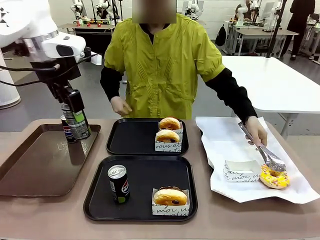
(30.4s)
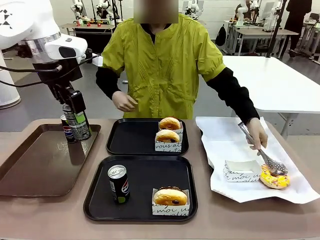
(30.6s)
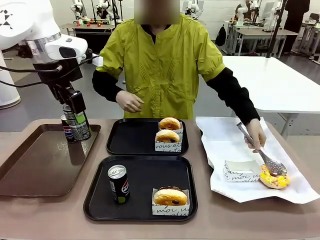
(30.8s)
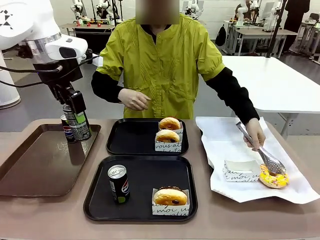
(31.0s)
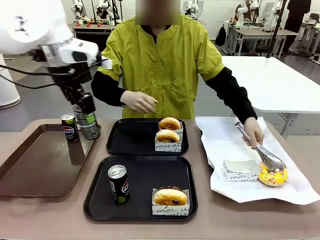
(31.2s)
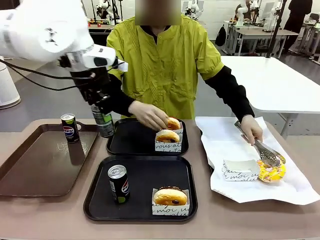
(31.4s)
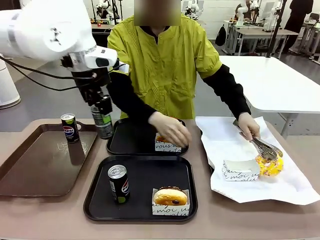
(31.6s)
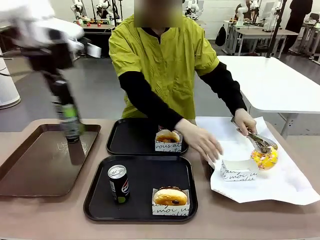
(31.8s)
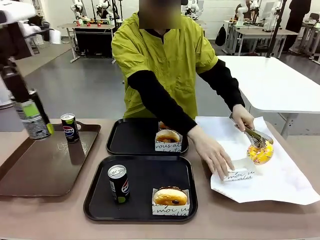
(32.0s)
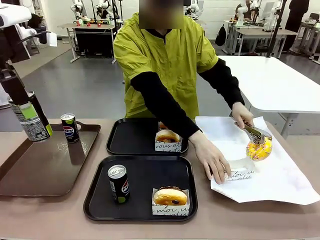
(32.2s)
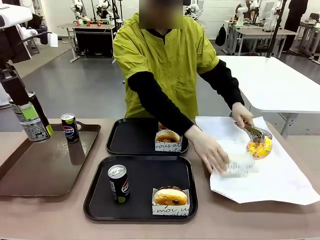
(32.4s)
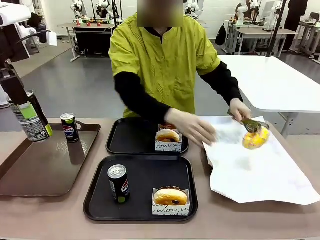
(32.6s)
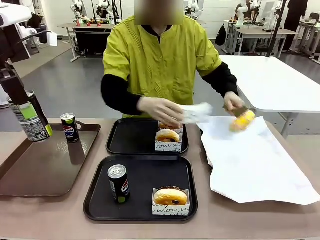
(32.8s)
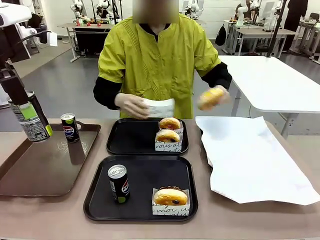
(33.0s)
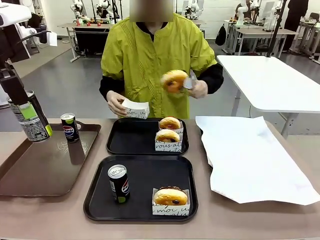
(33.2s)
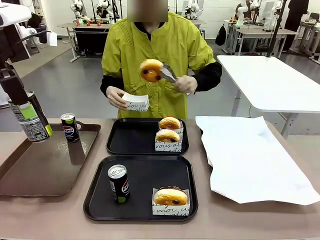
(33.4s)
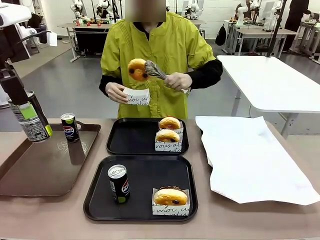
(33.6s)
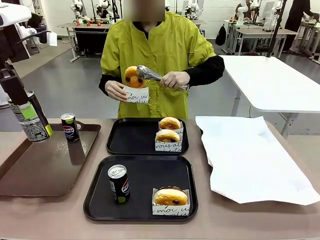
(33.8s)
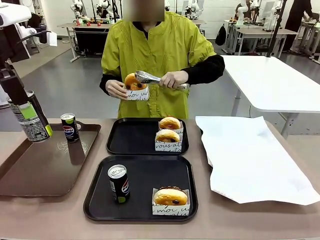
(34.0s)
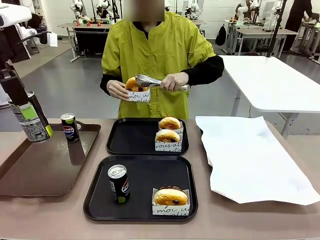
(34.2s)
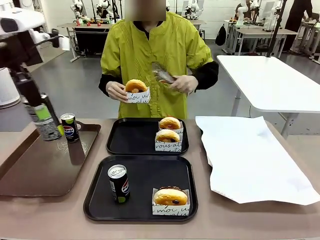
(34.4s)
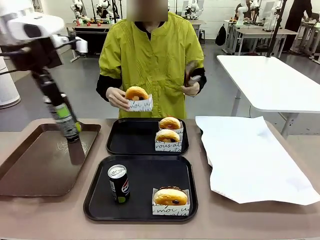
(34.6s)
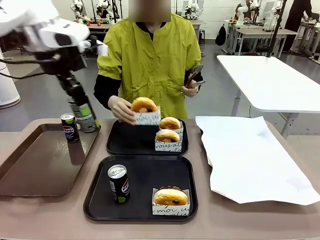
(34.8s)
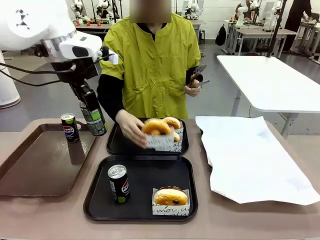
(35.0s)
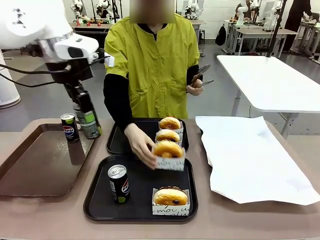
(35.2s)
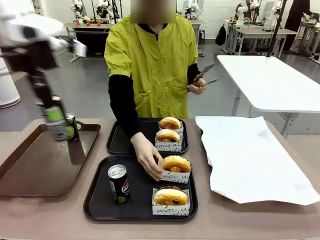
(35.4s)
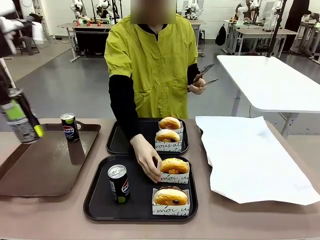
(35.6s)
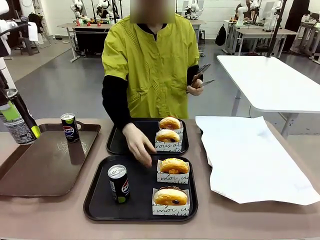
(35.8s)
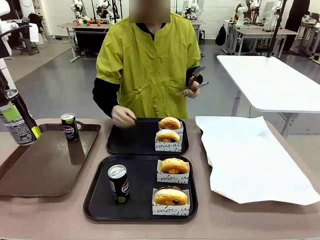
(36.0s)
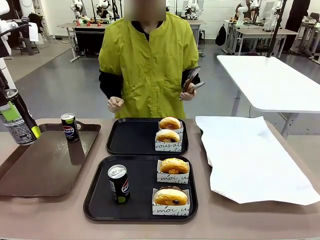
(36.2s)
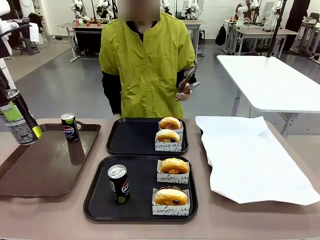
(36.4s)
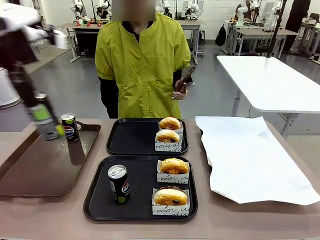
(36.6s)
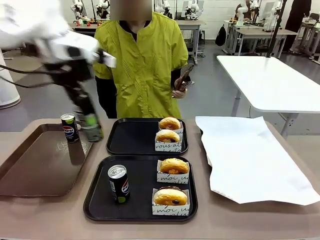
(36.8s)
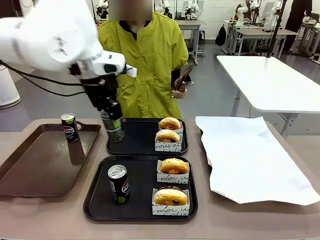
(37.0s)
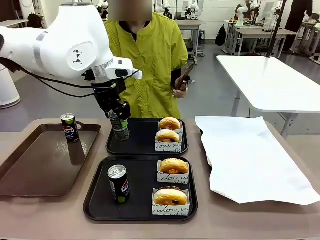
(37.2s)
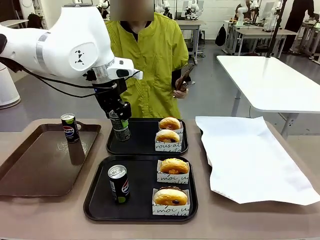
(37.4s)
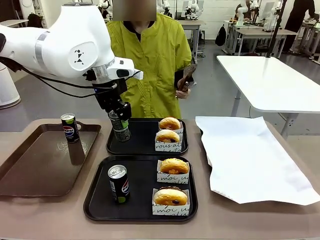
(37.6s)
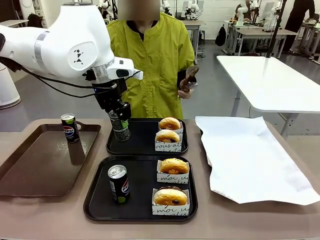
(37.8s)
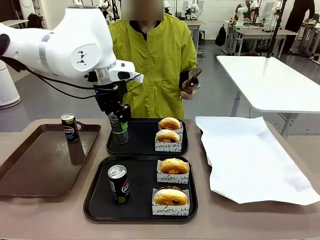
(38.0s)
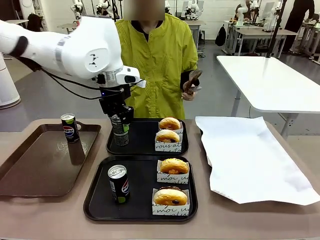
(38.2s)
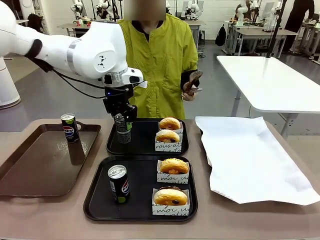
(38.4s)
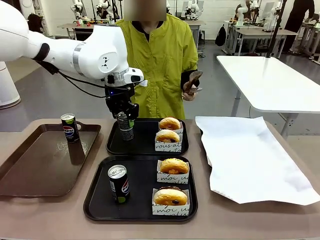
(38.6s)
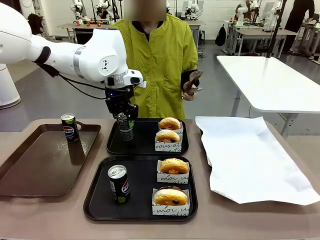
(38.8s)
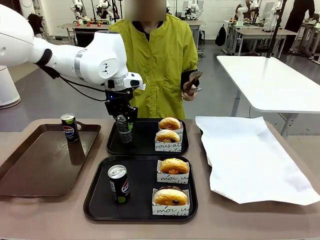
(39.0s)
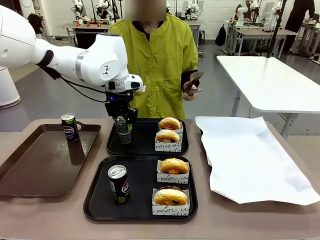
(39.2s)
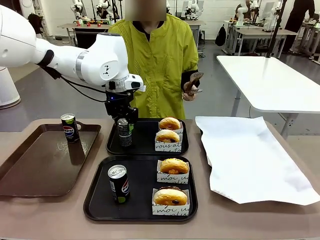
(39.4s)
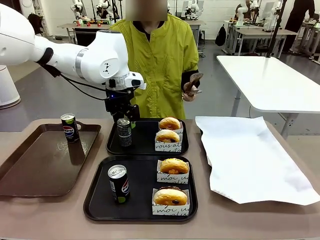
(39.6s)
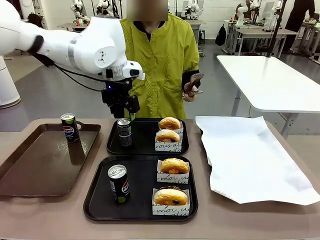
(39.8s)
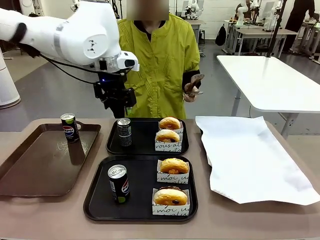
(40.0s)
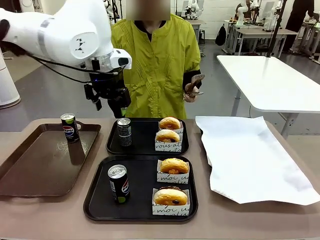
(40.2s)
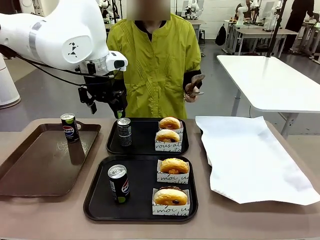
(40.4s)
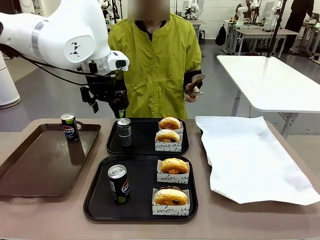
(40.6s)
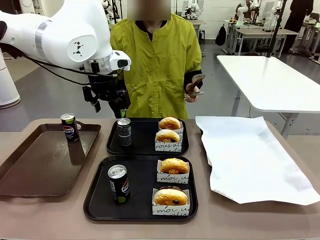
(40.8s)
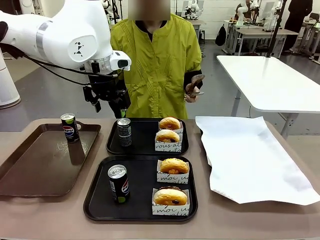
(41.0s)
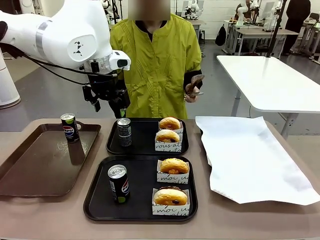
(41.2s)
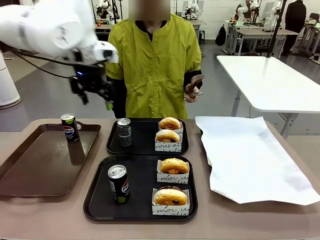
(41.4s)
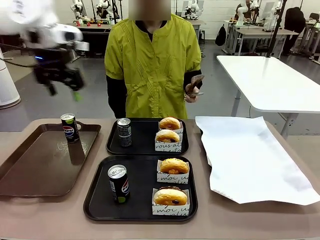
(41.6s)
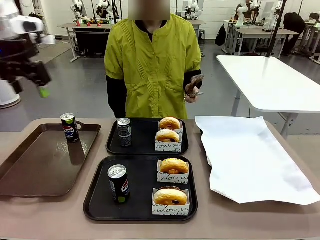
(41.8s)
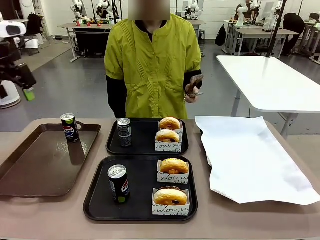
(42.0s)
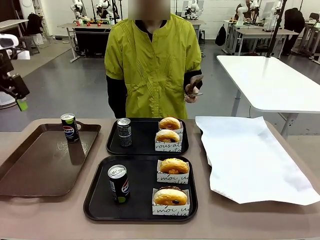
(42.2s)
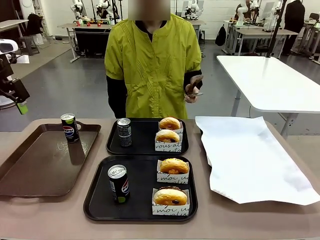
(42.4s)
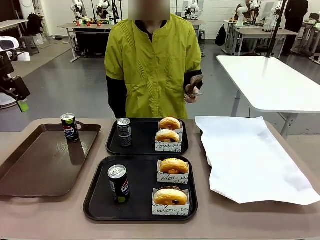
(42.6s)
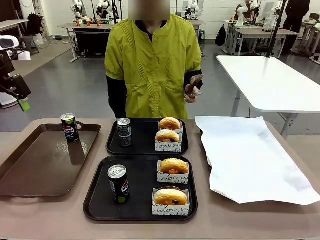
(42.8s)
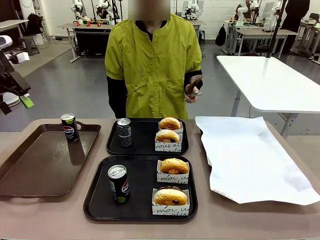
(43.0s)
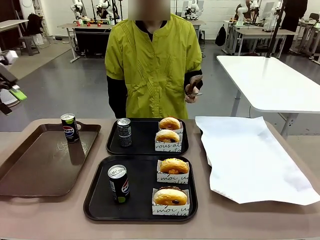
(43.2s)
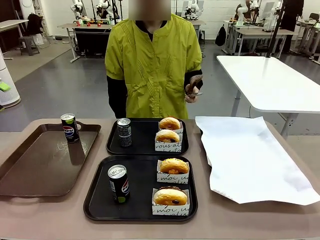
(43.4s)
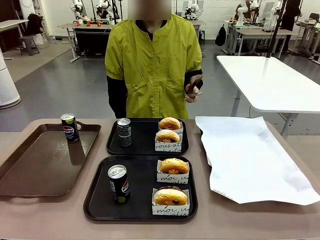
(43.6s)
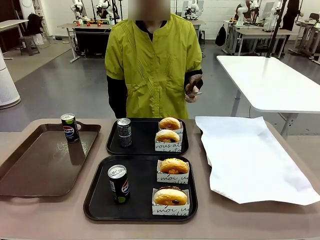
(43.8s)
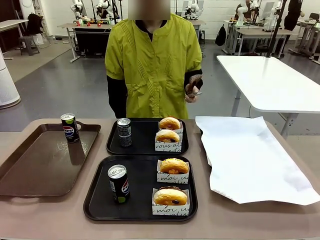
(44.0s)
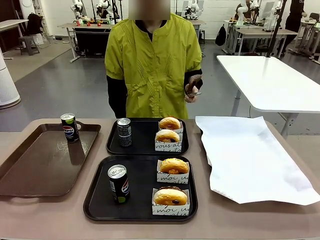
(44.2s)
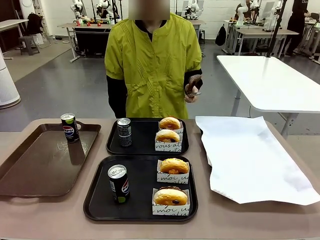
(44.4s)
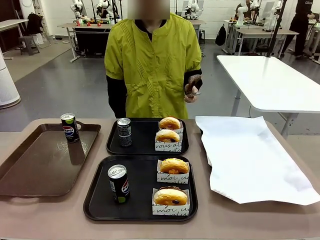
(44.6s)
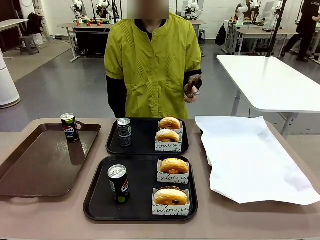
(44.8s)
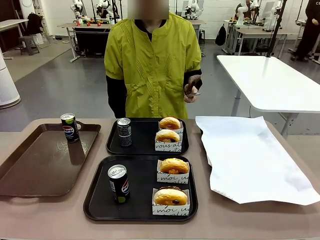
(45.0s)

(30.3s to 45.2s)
Task: Set up donuts and drinks on trays.
Robot: Pick up one Pepsi coke from the Handle tray and place it on the Flat Tray without a Pepsi coke.

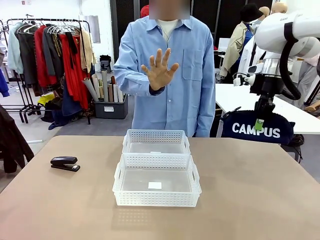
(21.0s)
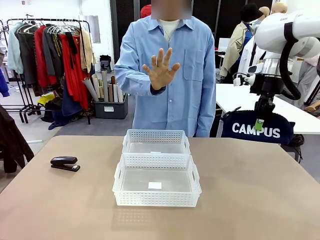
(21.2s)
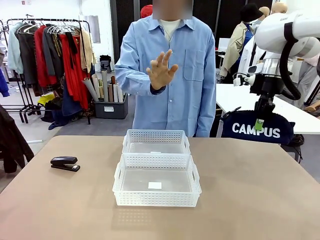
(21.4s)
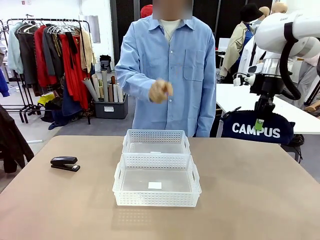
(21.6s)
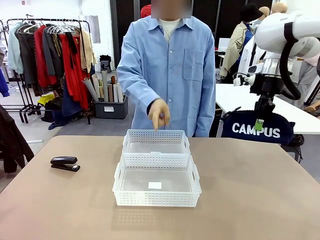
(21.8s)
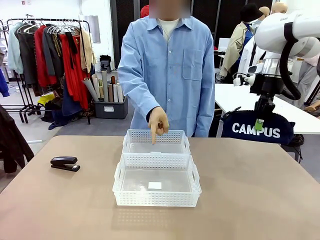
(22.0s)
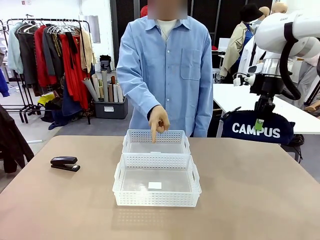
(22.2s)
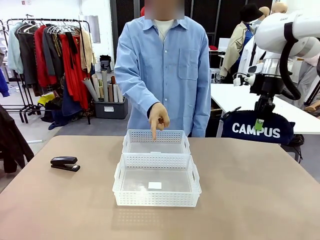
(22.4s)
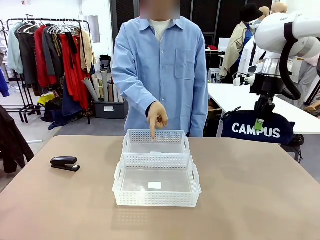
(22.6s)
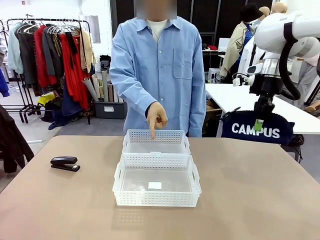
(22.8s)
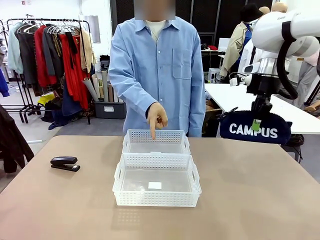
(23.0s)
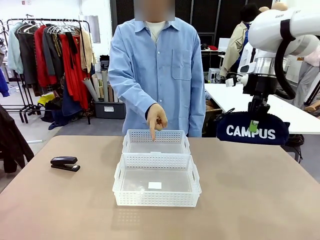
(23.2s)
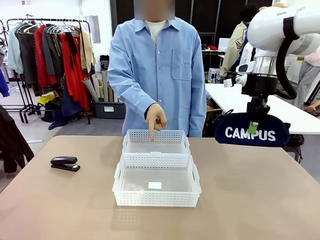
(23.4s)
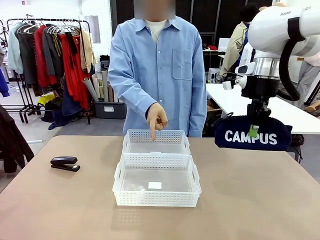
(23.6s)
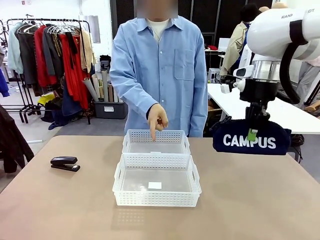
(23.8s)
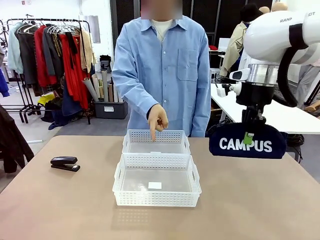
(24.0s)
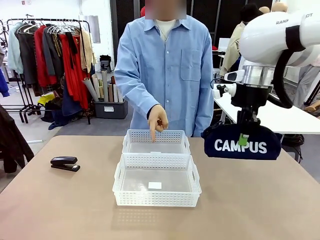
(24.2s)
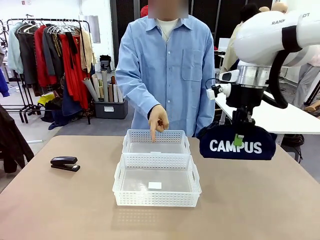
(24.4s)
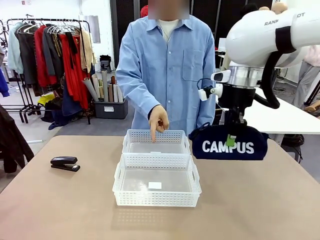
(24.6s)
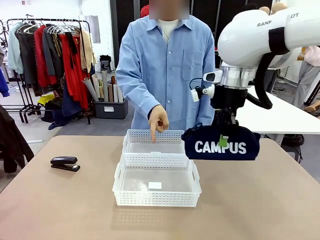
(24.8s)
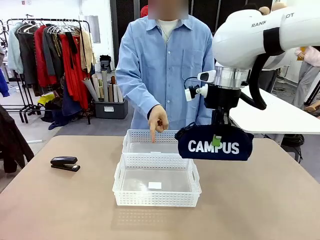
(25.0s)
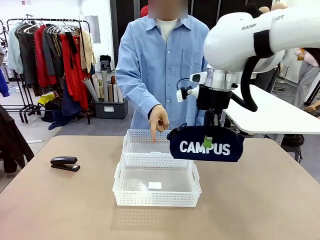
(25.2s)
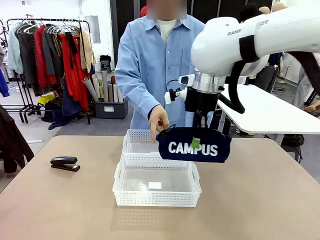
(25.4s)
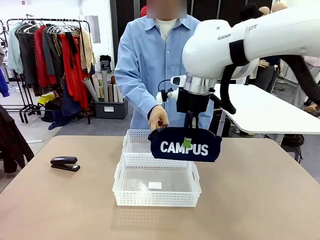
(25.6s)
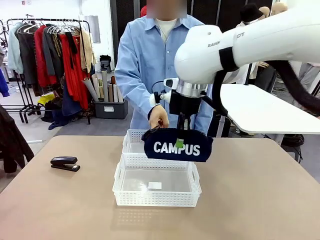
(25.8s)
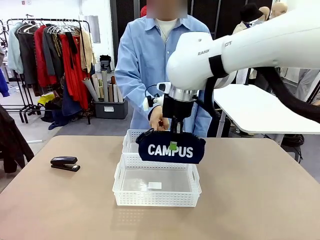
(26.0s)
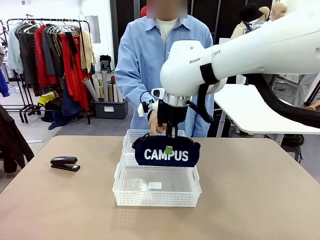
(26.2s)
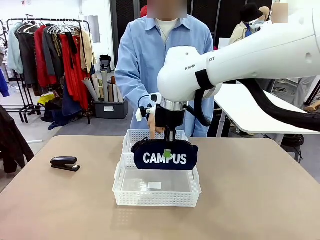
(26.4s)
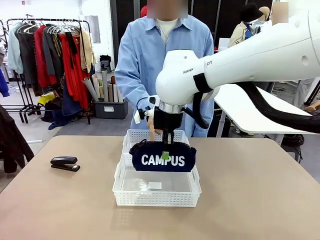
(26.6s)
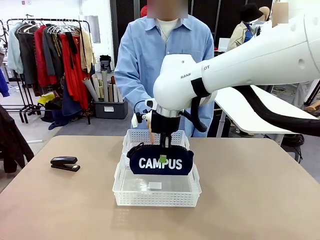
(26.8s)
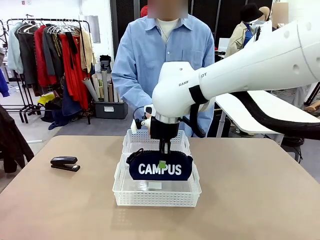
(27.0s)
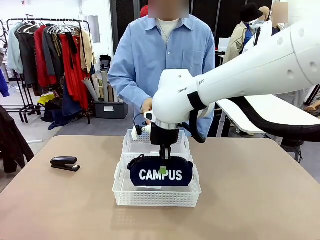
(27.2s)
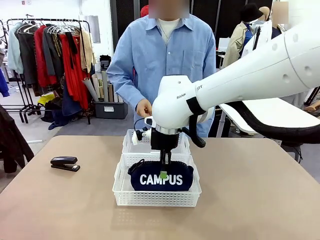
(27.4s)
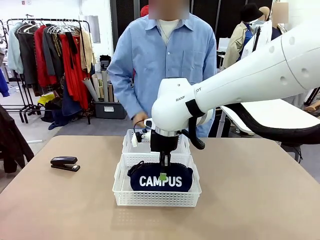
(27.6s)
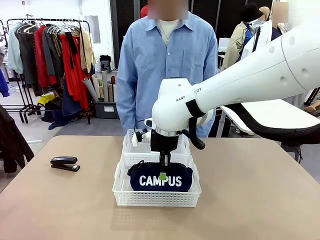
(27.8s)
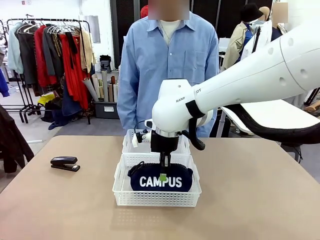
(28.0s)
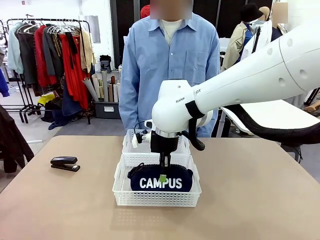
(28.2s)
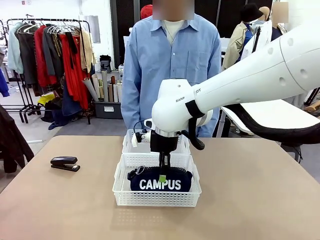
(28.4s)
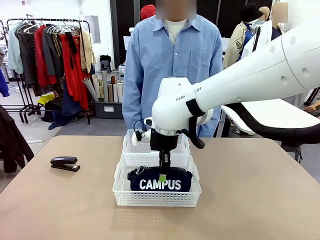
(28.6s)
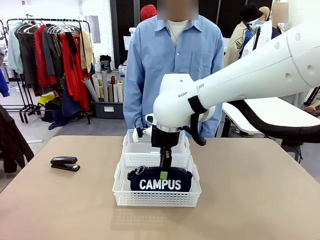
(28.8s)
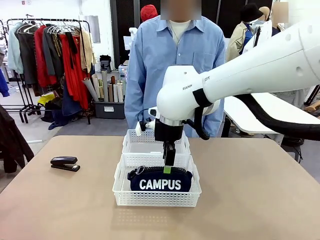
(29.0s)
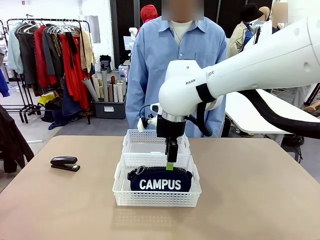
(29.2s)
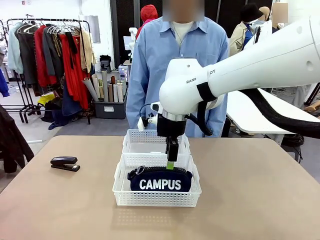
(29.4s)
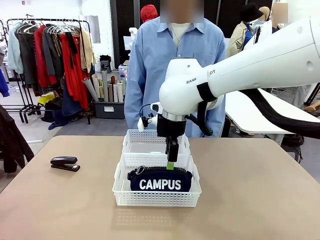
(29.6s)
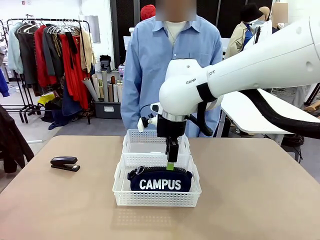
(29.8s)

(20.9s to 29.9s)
Task: Distribute items into two baskets.
Robot: Place the picked Pencil pouch into the Organizing basket as instructed by the person.
Person: Instructs the robot to place the pencil case into the opposite basket. Points to the stapler.
